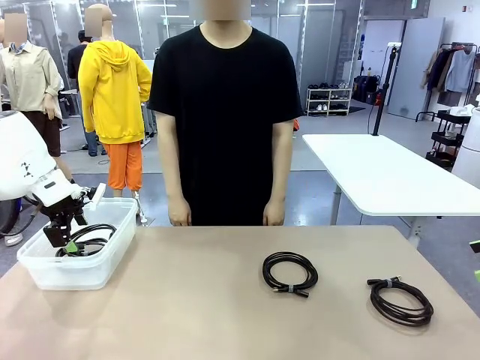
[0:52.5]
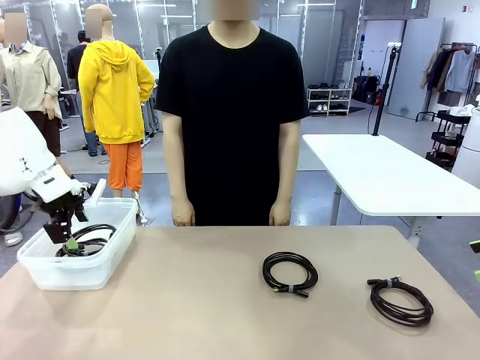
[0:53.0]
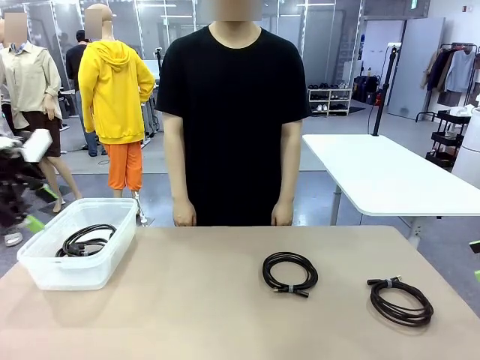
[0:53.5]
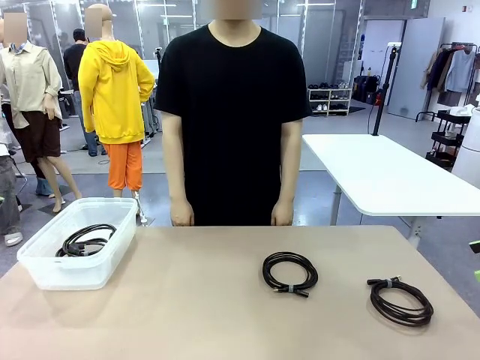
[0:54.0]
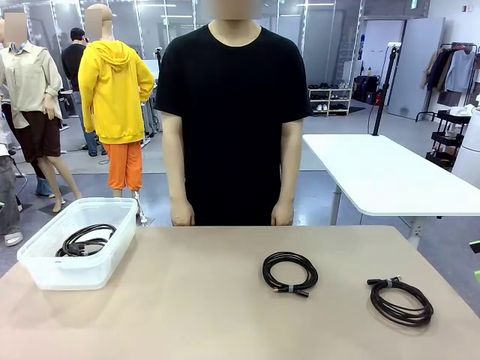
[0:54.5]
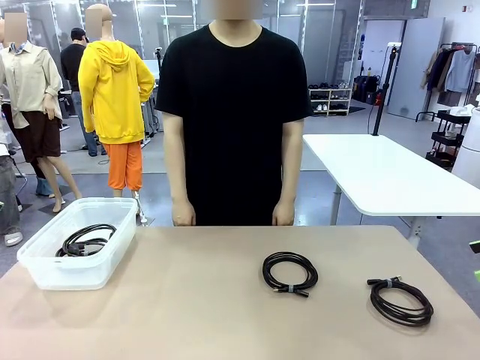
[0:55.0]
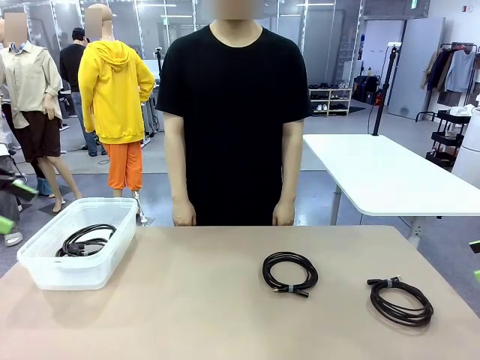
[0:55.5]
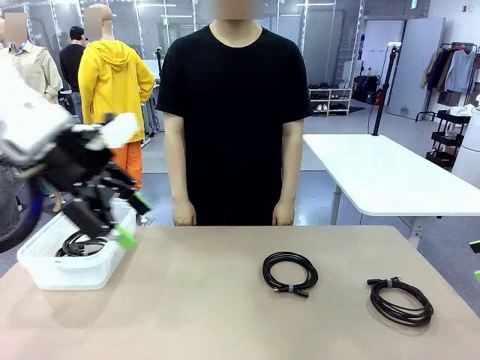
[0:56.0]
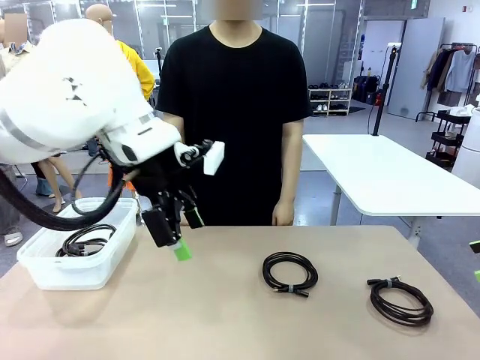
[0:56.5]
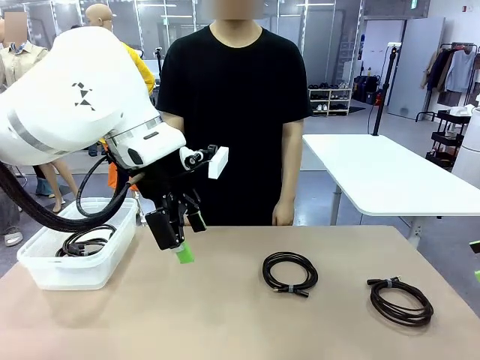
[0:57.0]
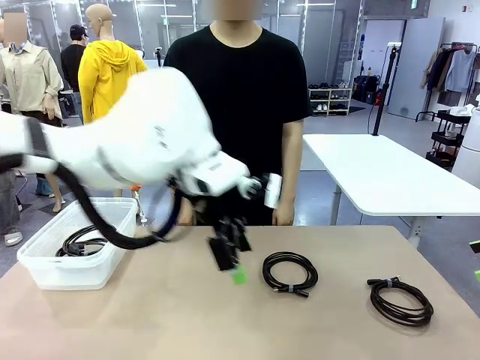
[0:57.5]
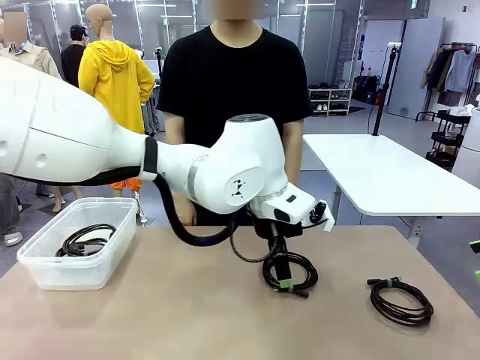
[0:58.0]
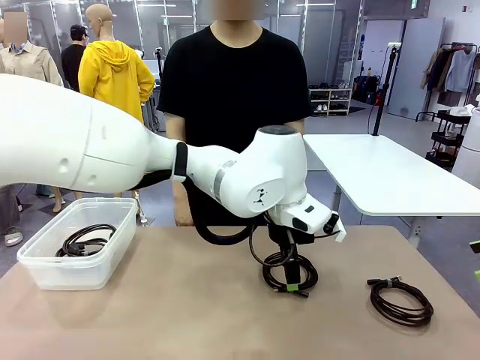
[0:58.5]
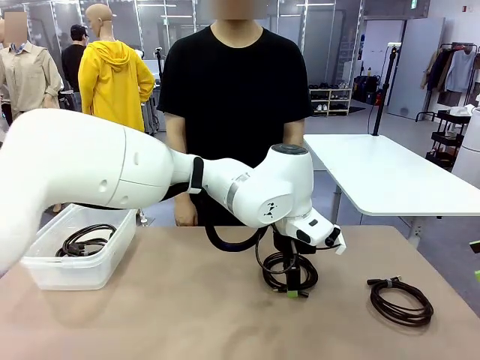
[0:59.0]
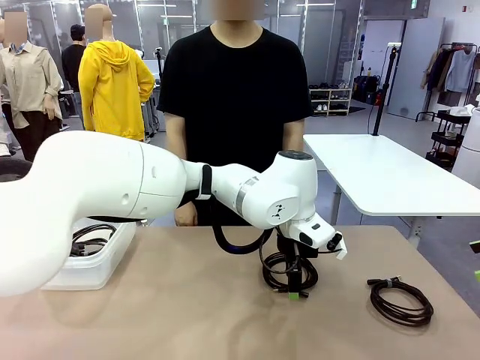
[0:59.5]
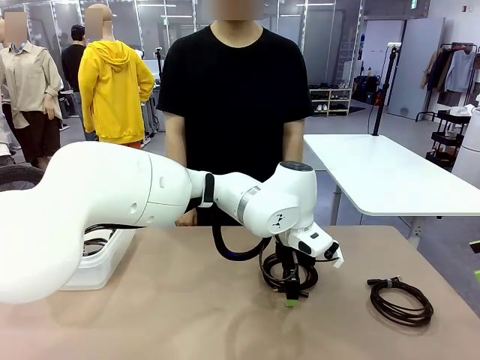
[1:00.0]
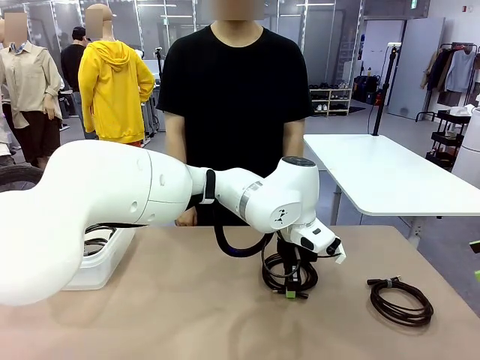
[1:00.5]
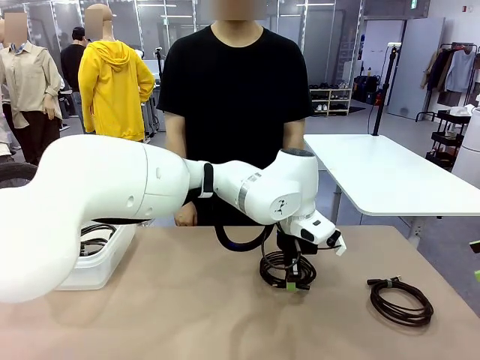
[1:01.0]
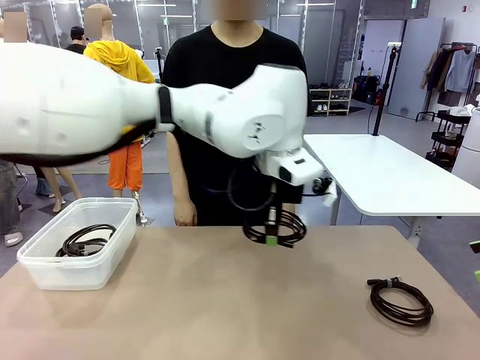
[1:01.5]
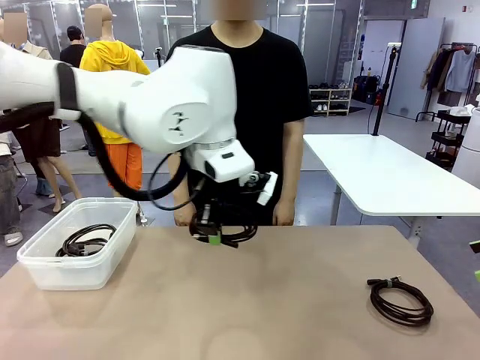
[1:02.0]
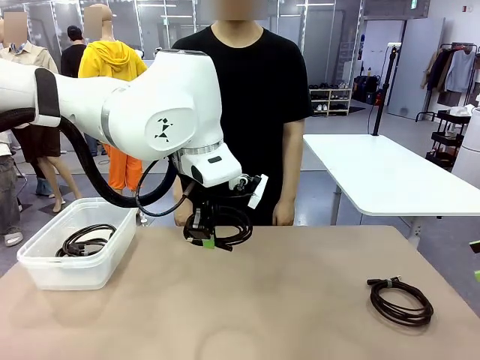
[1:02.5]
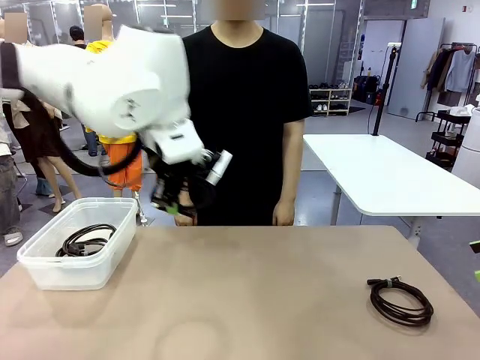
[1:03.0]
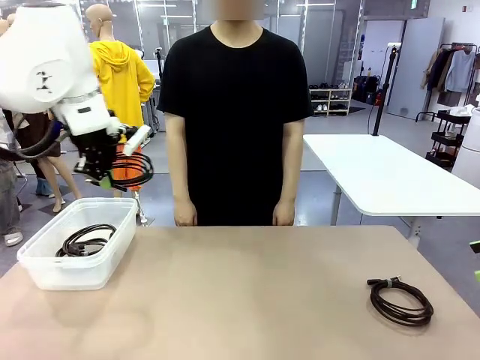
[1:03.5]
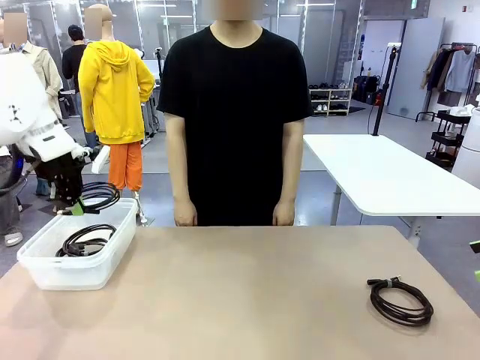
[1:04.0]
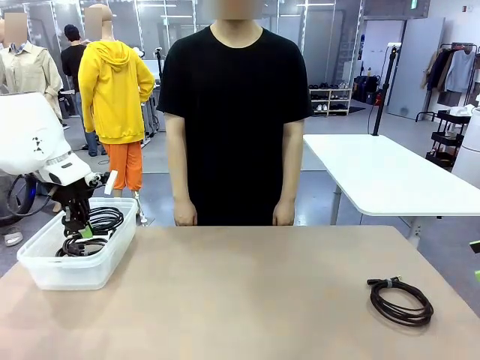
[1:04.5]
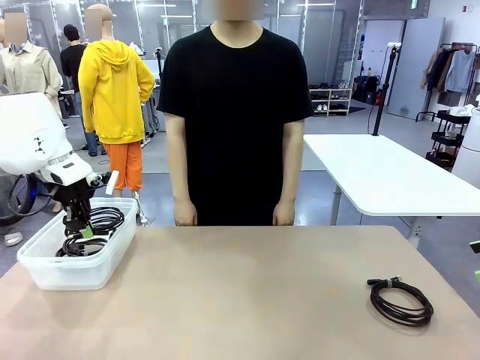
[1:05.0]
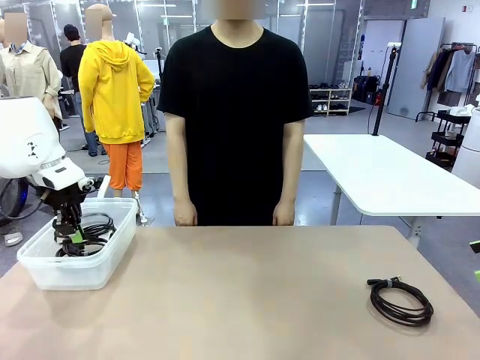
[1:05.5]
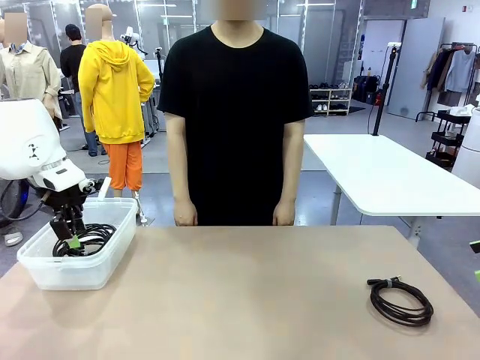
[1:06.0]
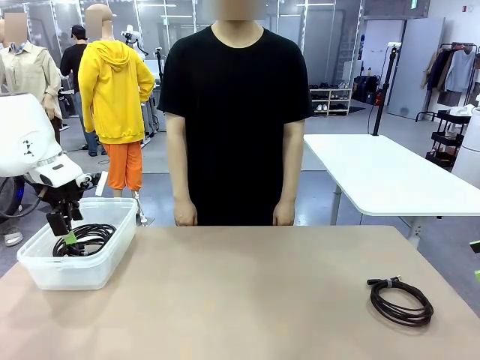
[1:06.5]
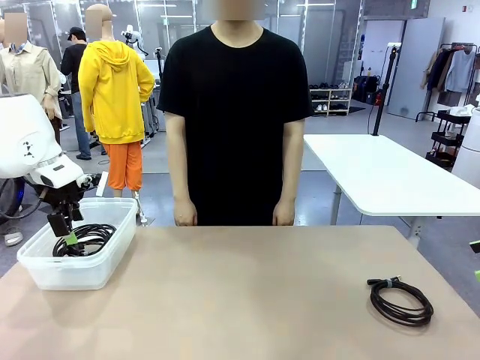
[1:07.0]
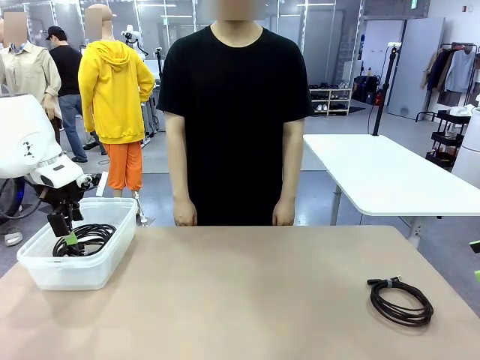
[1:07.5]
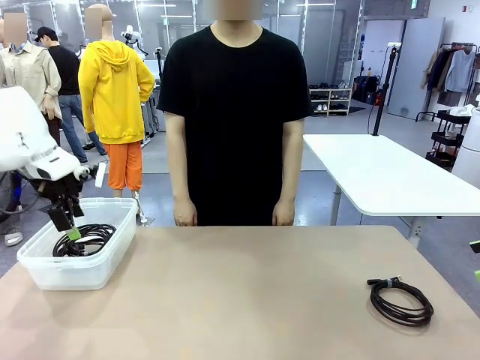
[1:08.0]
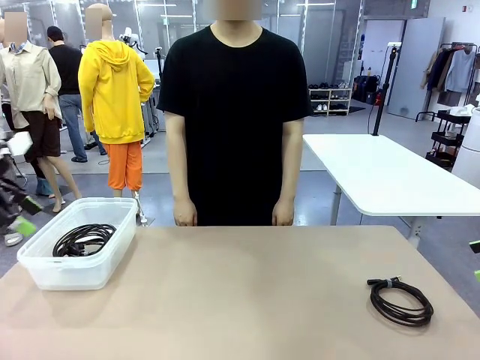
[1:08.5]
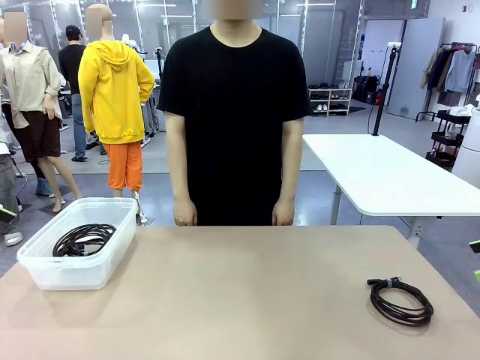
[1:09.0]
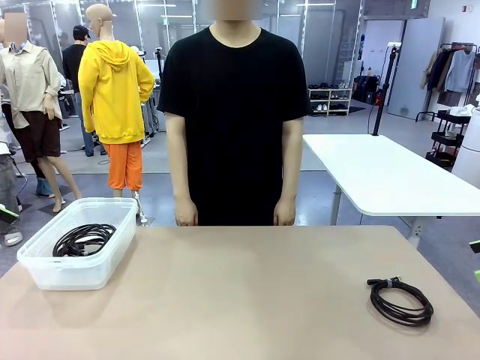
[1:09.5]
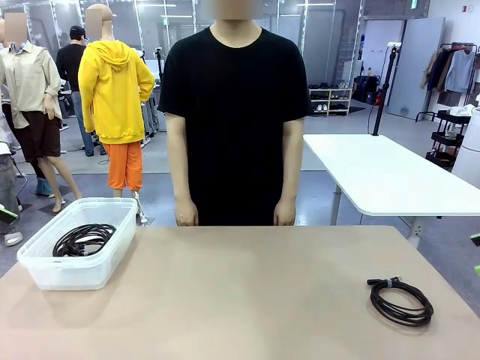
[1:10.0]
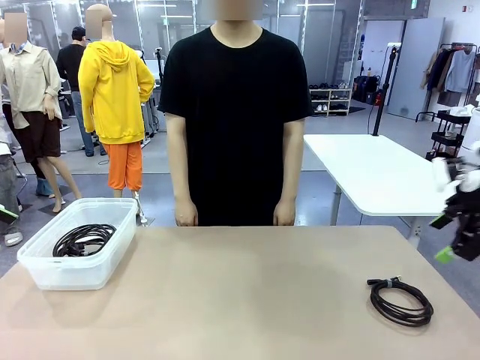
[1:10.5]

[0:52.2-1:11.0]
Task: Organize and store the cables.
Robot: Place the USB Extension Cable into the Organizing box.
